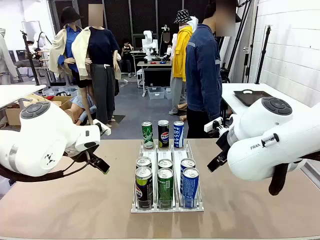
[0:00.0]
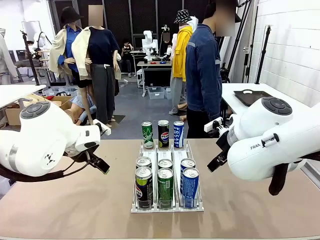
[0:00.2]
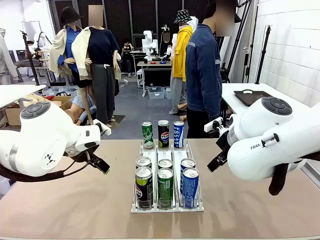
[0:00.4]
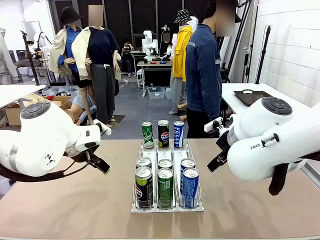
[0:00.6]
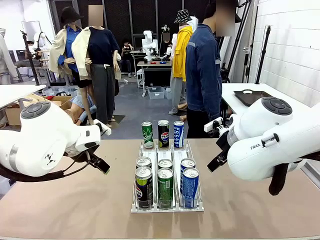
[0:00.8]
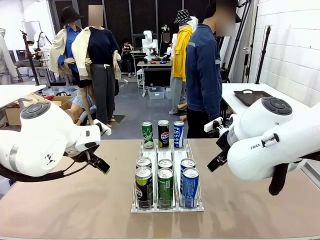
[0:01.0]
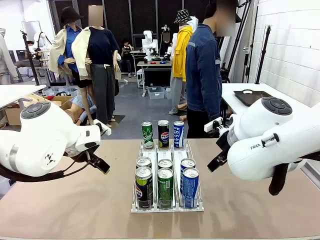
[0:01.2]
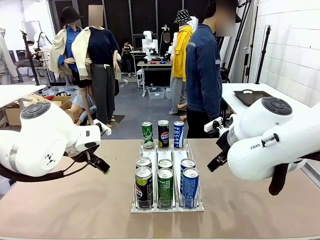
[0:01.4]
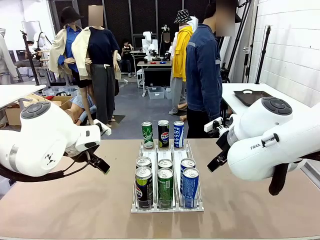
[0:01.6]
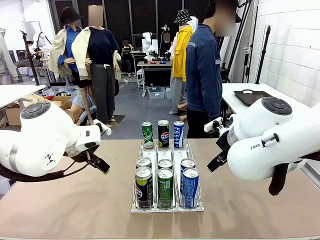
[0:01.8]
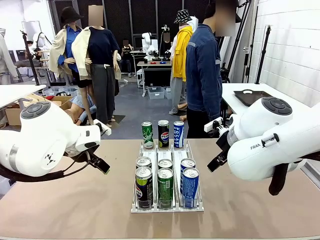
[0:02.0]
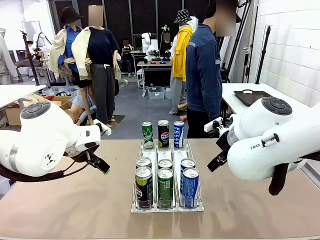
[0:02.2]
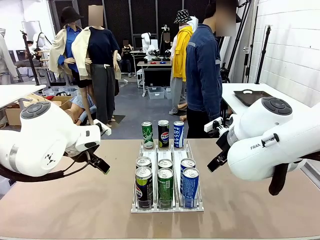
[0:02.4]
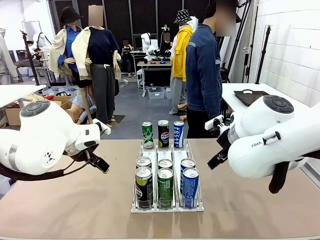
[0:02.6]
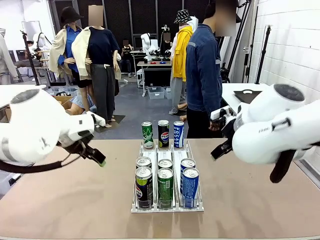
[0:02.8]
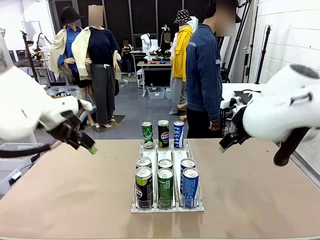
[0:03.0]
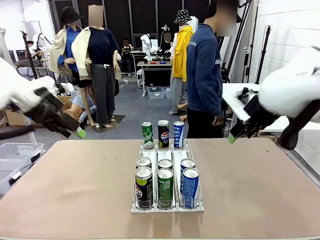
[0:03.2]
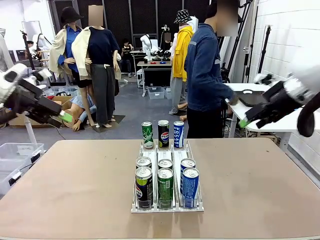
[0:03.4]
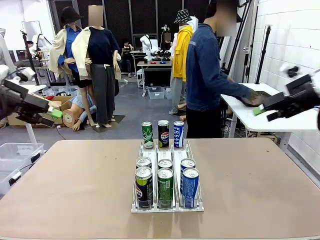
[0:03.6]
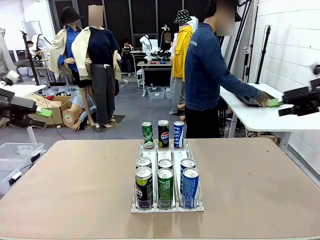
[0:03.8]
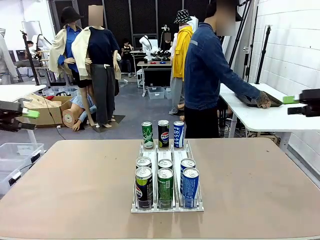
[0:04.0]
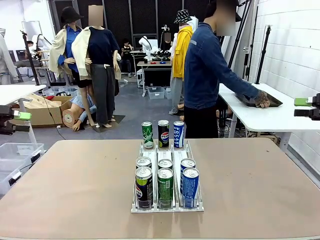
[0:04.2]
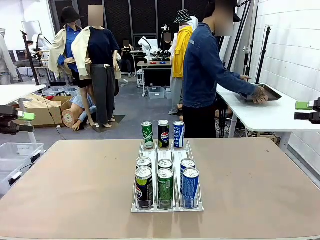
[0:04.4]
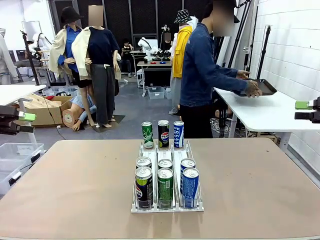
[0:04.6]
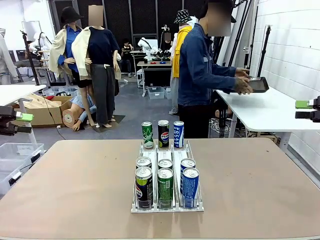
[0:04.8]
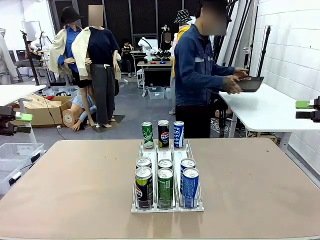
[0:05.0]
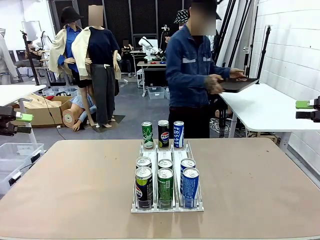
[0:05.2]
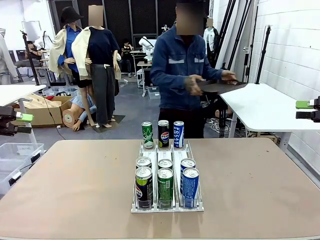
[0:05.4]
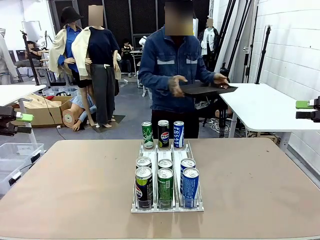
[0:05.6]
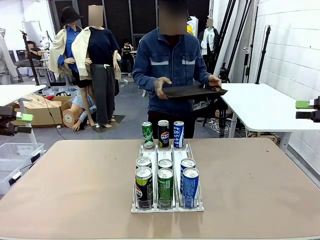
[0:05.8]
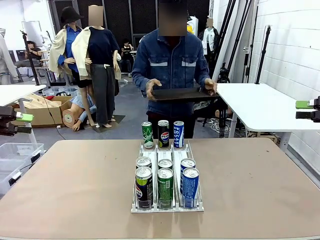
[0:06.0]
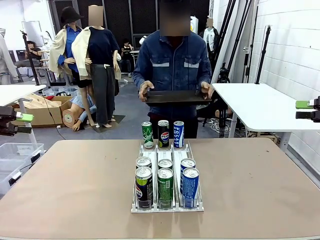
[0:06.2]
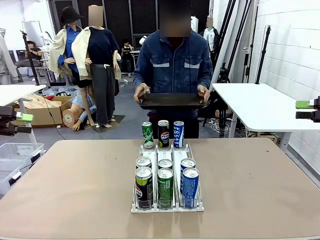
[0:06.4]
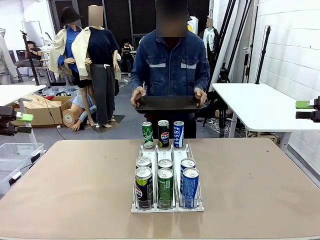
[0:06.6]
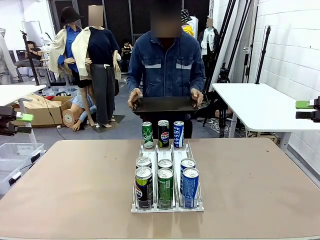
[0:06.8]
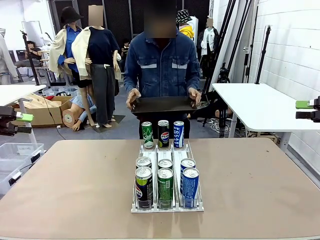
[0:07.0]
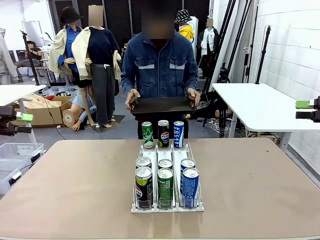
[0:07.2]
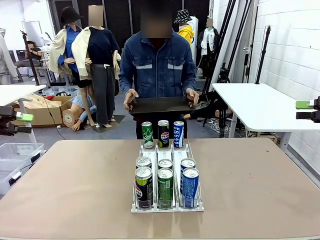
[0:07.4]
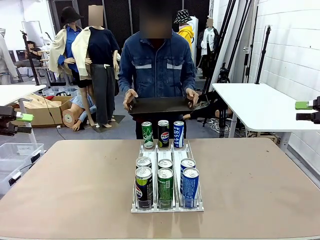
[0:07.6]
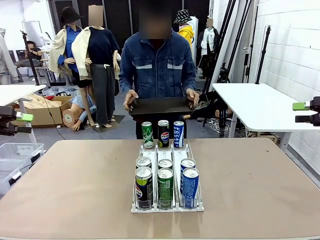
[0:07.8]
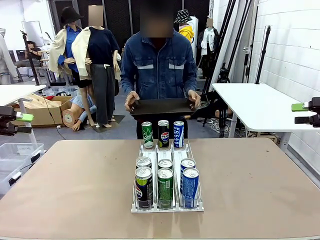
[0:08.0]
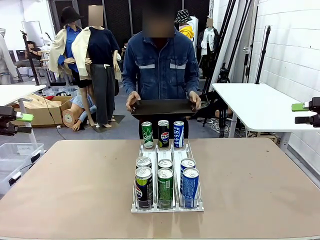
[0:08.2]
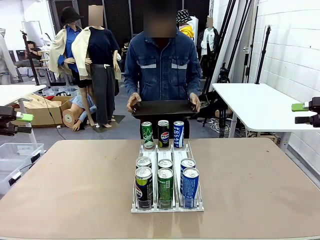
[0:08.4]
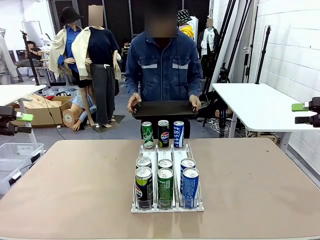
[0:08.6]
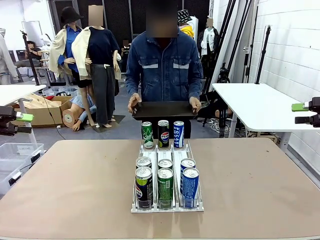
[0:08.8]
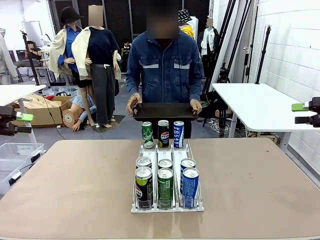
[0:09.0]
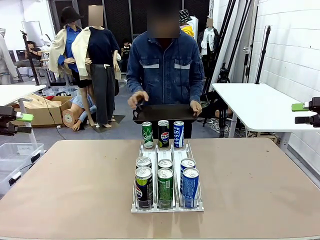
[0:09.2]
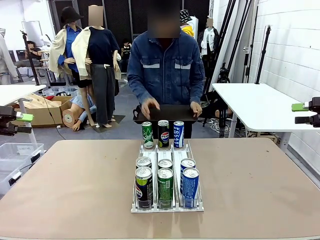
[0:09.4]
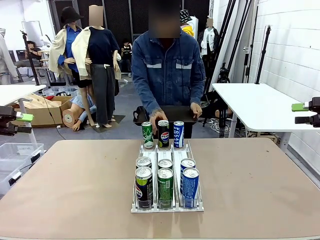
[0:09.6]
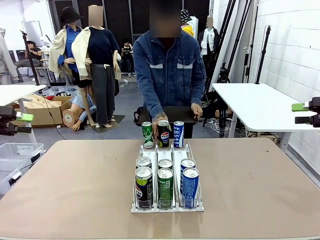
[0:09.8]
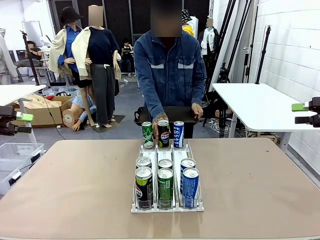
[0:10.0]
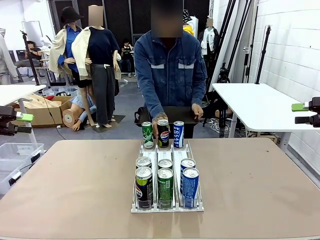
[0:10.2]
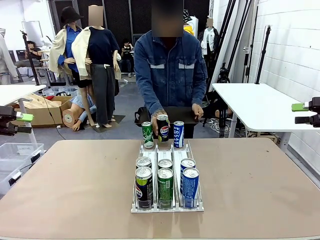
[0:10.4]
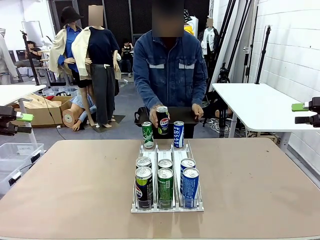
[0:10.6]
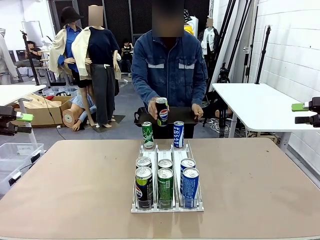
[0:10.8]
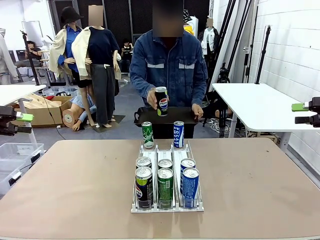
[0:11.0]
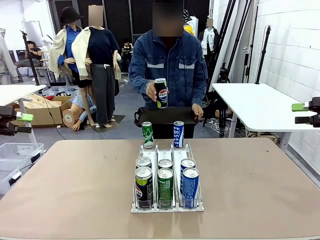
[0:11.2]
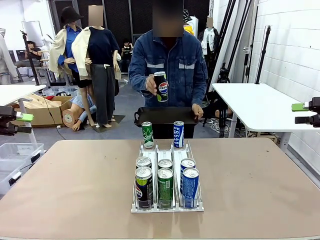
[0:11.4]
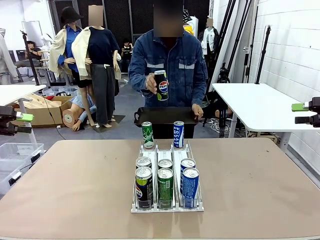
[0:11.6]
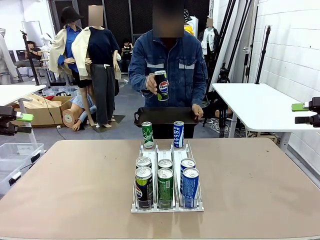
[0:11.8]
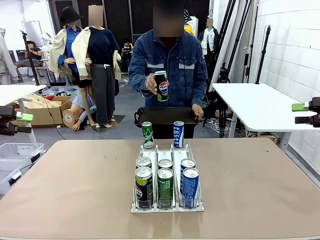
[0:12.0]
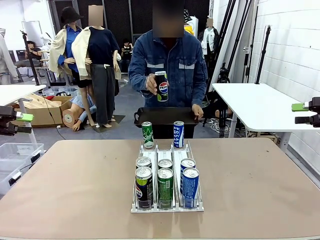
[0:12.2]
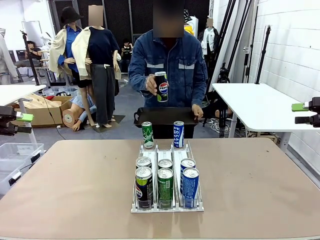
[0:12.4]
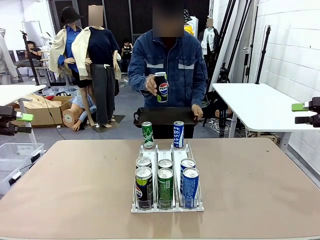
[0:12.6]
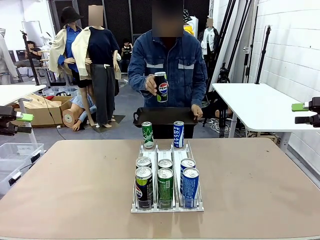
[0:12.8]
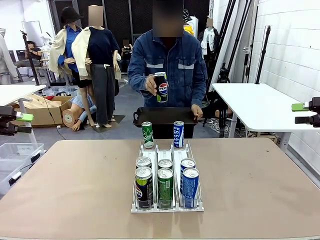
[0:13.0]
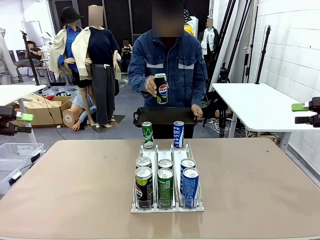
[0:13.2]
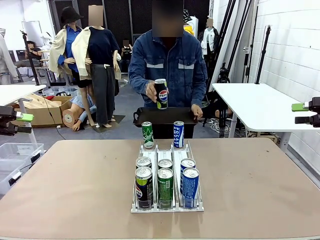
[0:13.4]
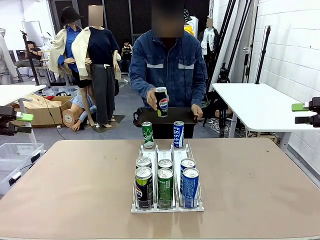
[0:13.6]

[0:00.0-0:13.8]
Task: Retrieve and hand over the desired beverage to the person.
Robot: Pick up a can of the same type that the person held from the Automatic Can Dispenser.
Person: Hold the tray and position yourself in front of the robot table. Pick up one can from the bottom area of the table and puts it back in its original place.
